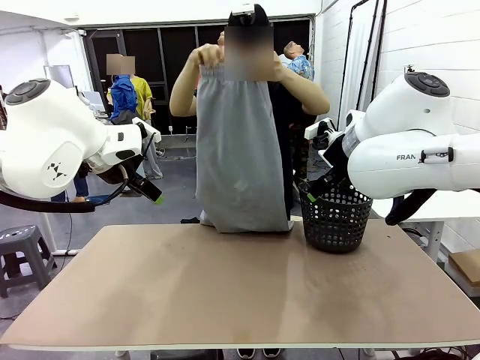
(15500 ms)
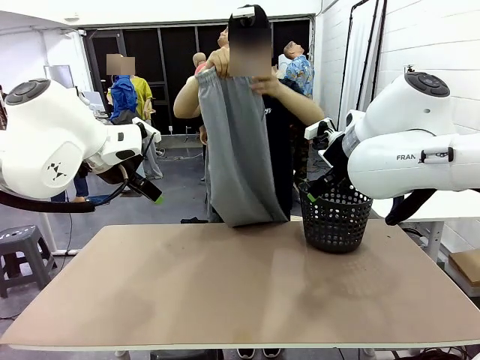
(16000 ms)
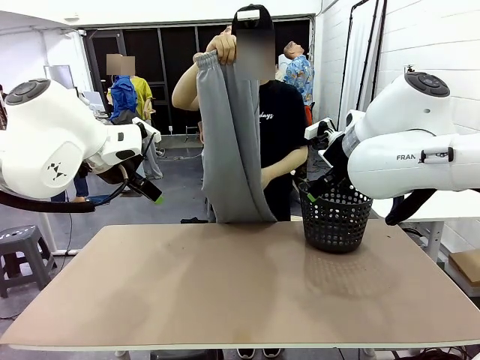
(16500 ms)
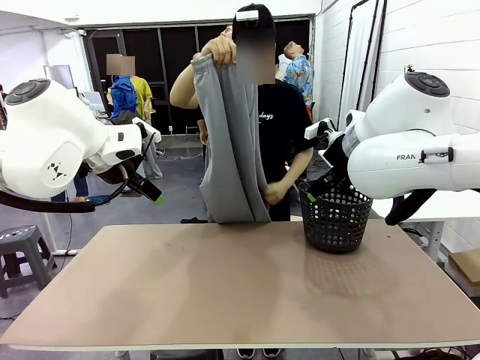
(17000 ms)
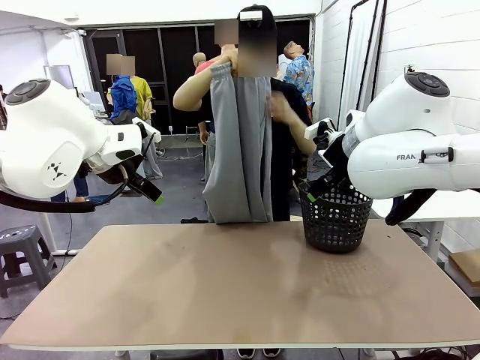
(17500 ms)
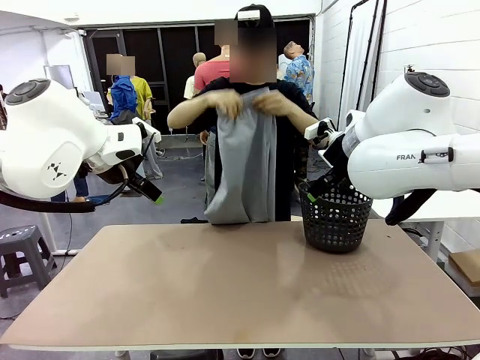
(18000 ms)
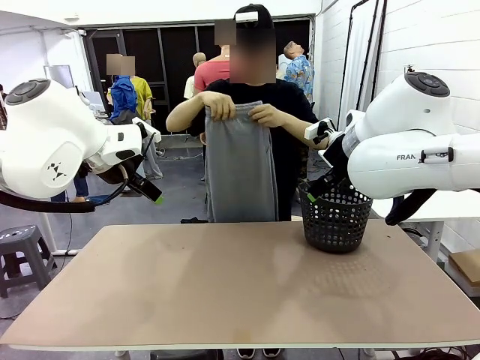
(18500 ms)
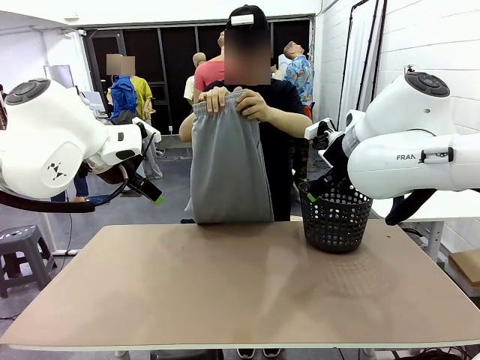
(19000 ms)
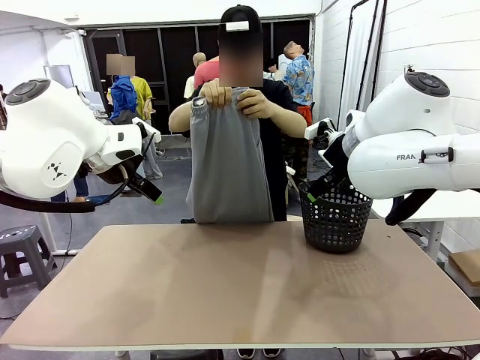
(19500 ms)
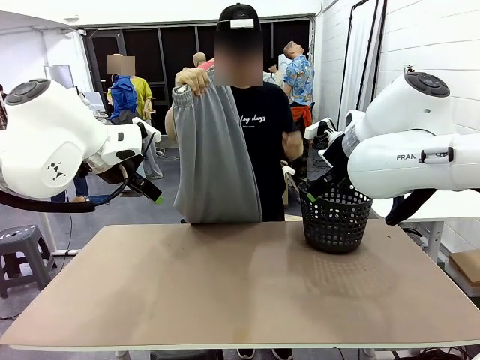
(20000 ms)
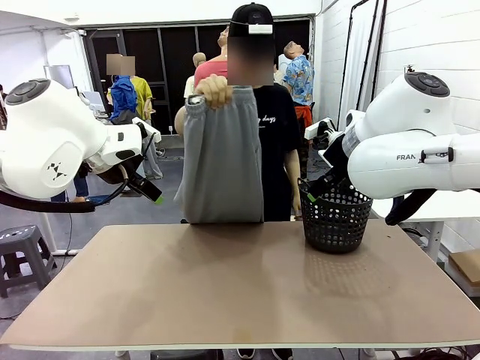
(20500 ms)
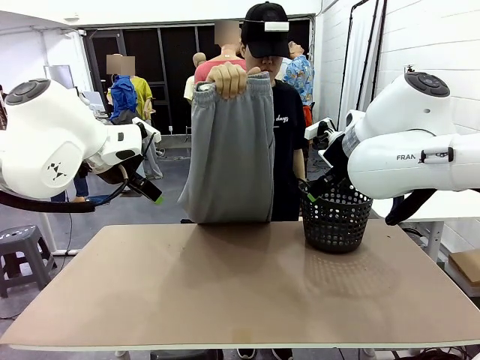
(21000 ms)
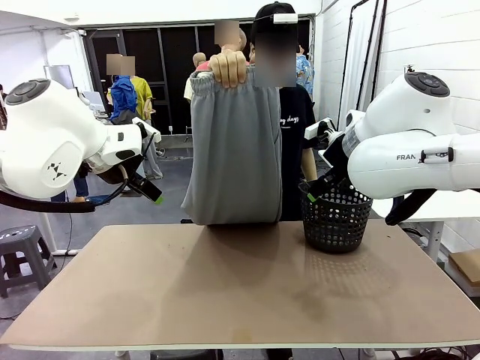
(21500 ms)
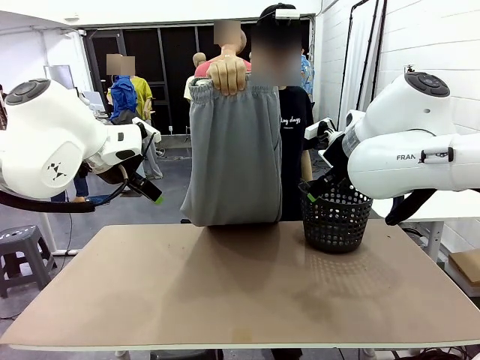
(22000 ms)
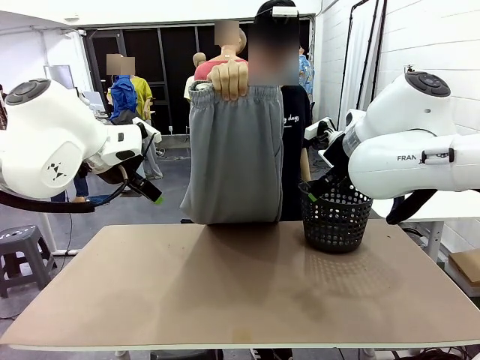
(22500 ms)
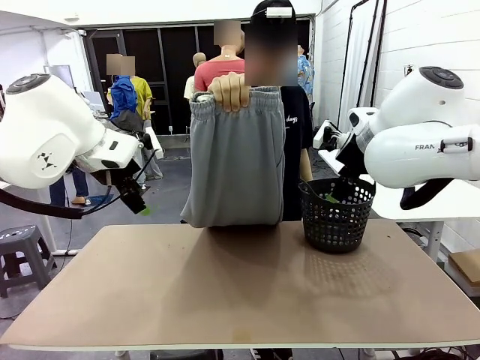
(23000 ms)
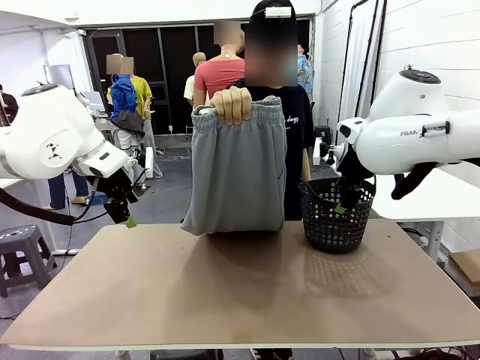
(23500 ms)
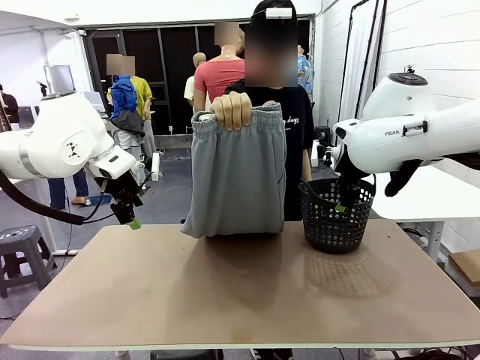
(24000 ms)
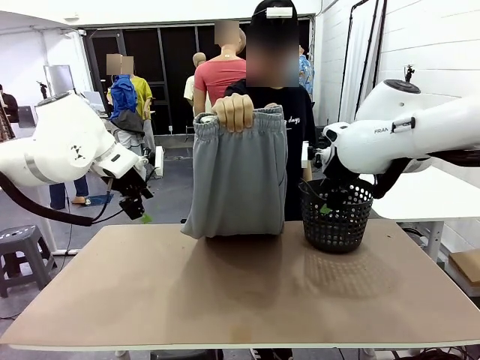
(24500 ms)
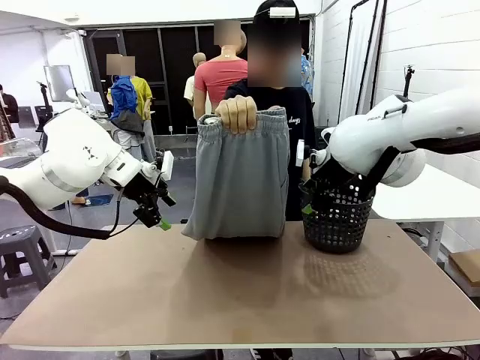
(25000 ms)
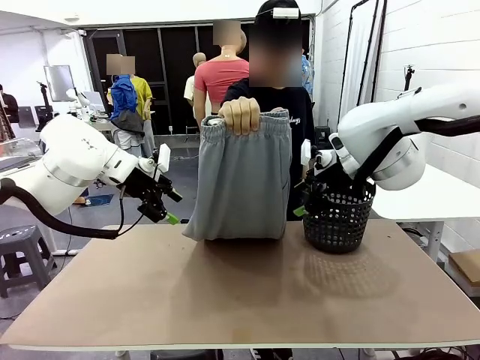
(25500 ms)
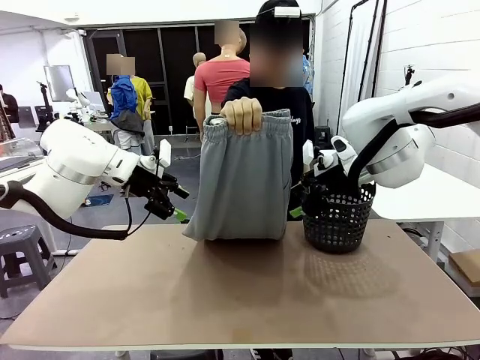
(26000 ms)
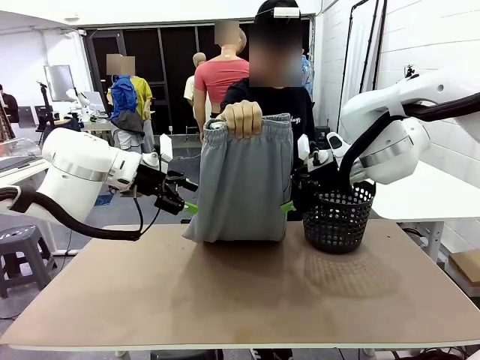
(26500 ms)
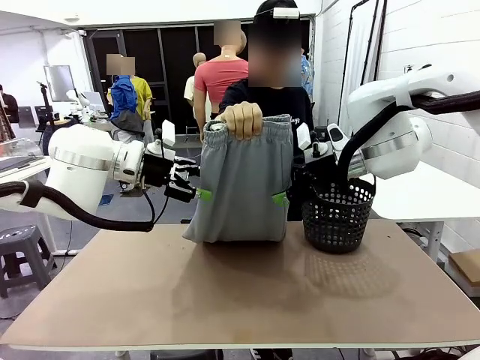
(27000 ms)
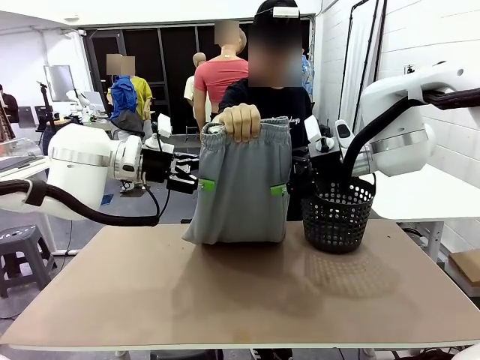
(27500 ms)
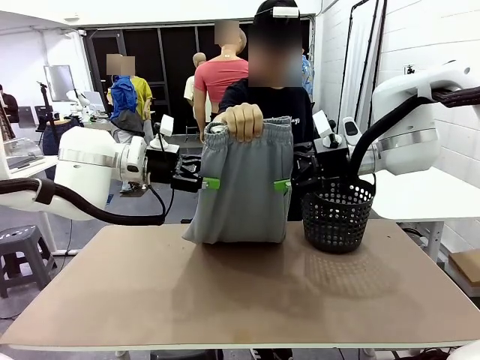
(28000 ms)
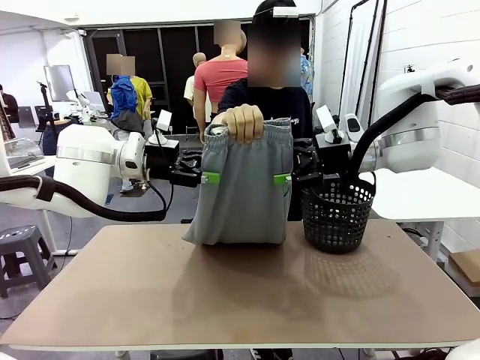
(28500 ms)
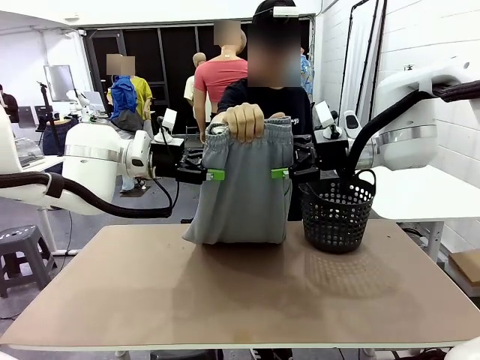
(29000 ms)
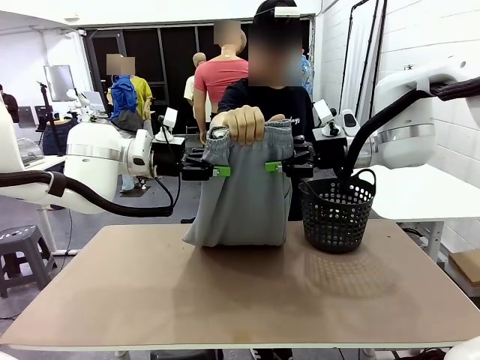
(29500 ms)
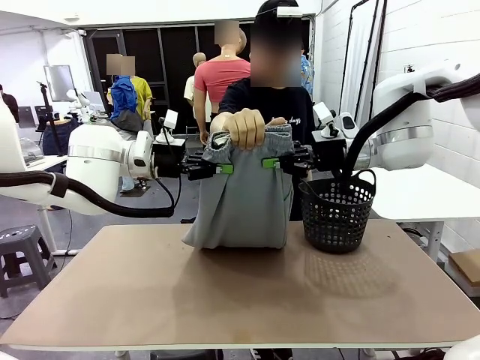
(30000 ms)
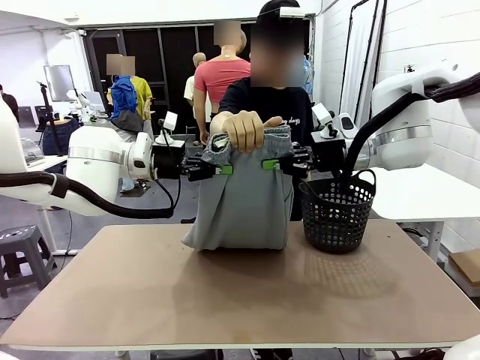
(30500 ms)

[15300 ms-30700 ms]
Task: Fold the training pants.
Robot: Grab both ends of the Training pants handed by a person.

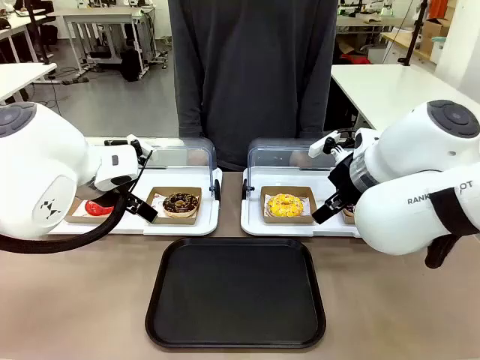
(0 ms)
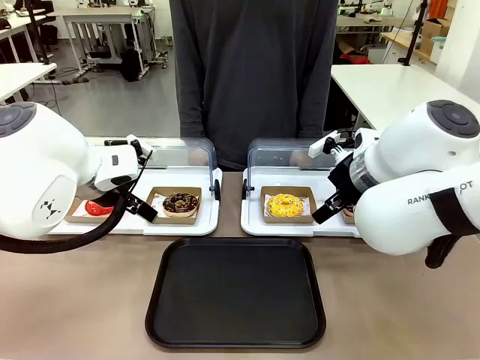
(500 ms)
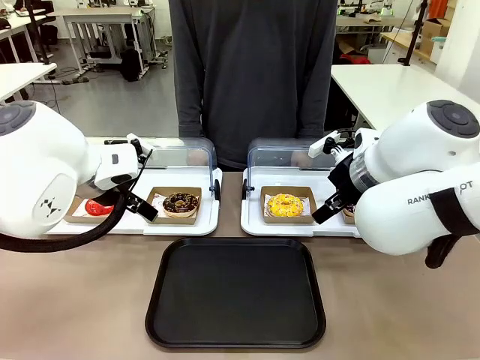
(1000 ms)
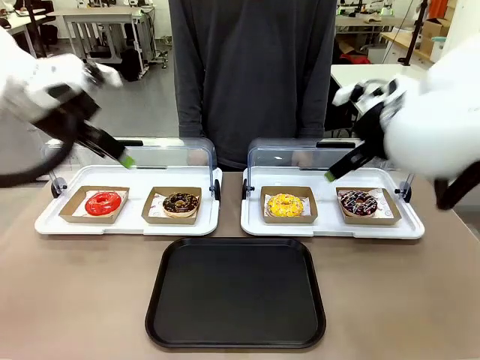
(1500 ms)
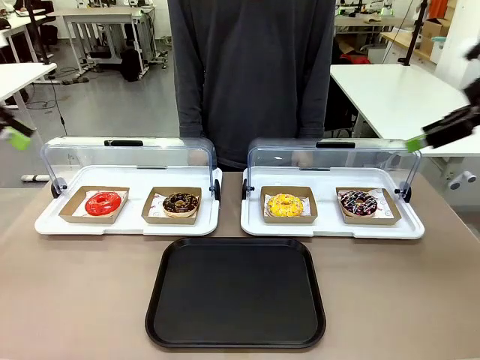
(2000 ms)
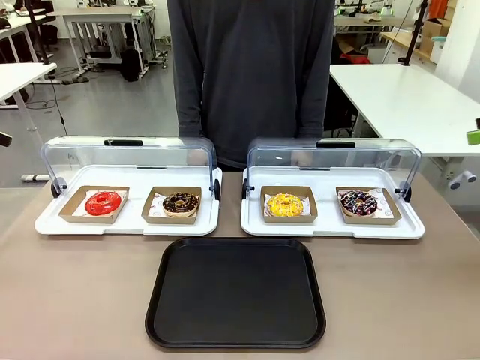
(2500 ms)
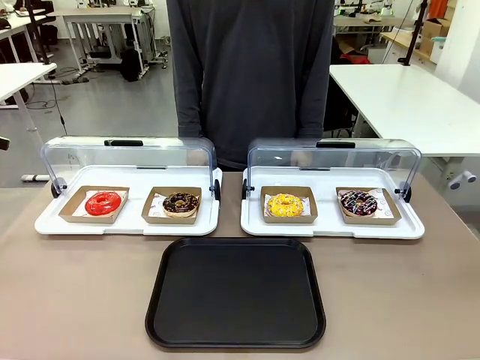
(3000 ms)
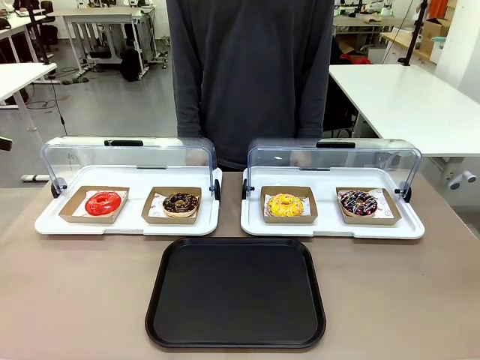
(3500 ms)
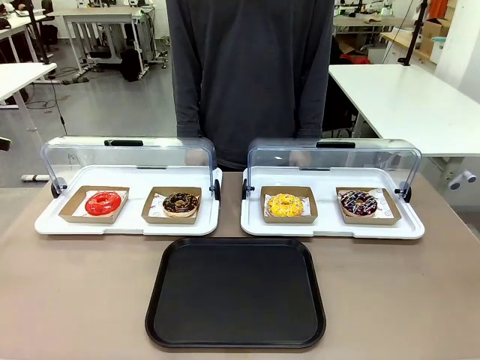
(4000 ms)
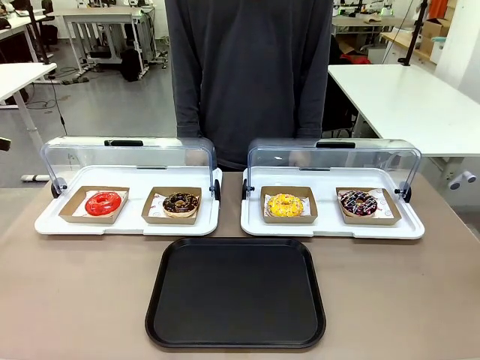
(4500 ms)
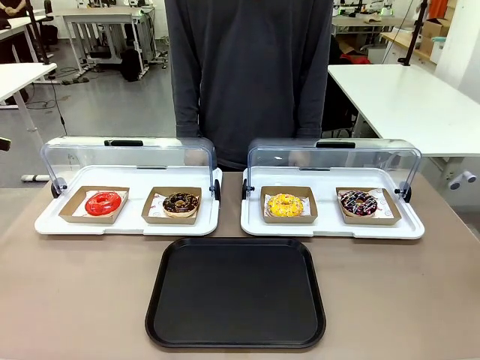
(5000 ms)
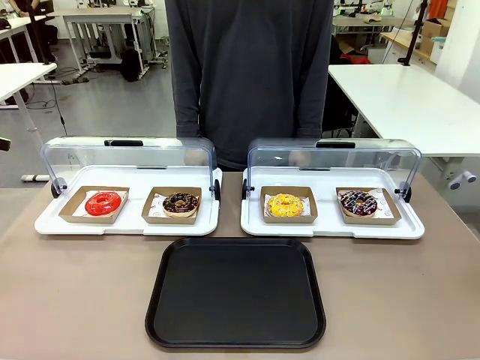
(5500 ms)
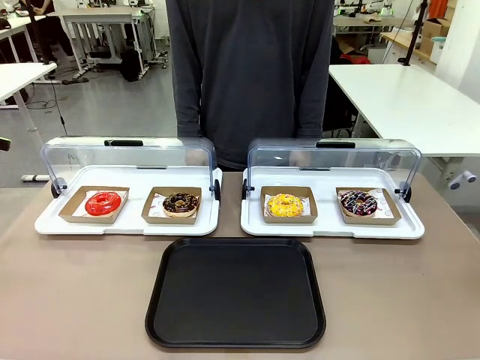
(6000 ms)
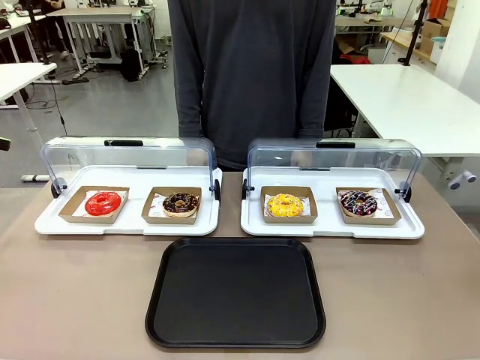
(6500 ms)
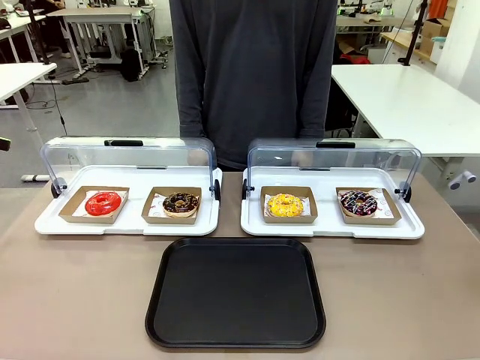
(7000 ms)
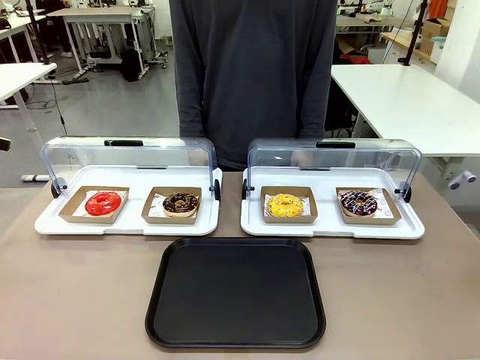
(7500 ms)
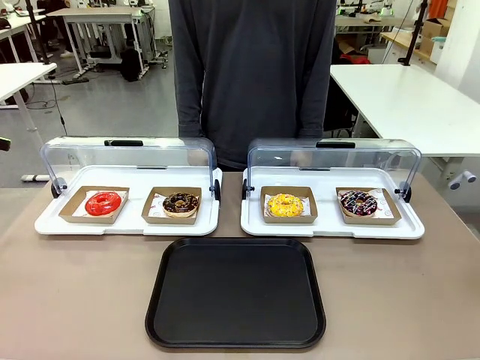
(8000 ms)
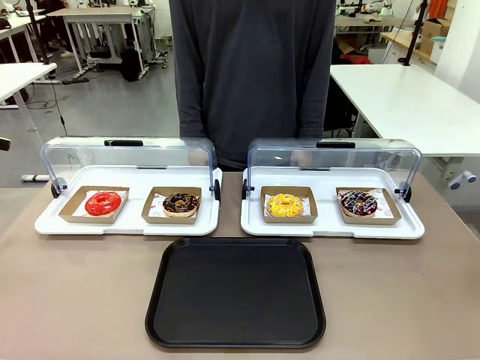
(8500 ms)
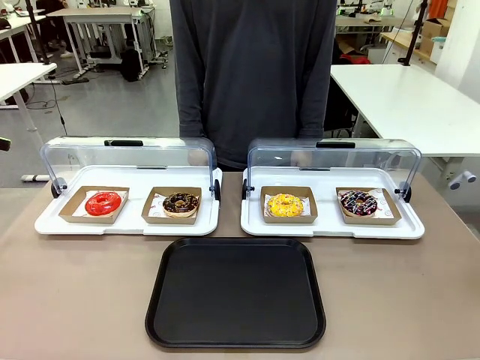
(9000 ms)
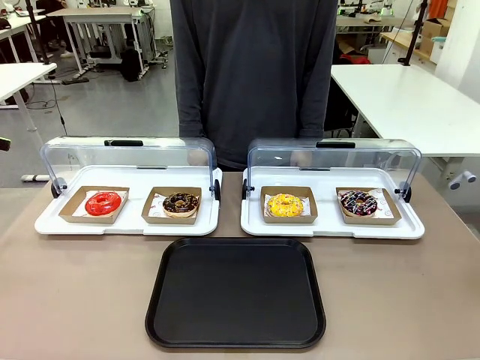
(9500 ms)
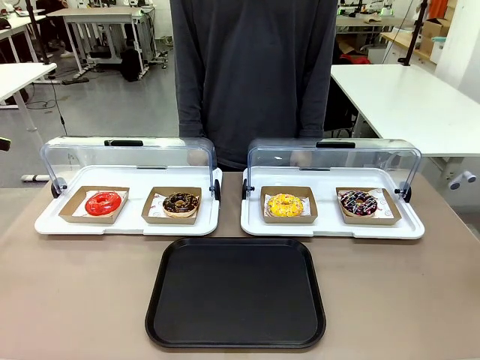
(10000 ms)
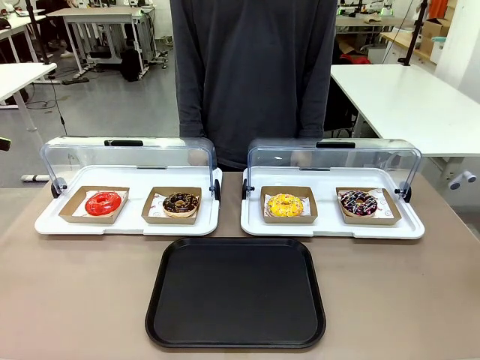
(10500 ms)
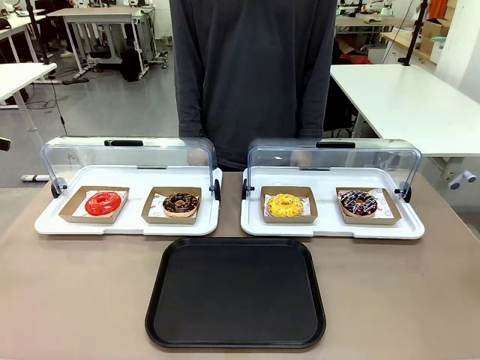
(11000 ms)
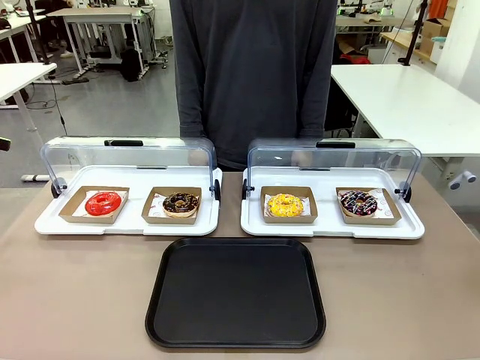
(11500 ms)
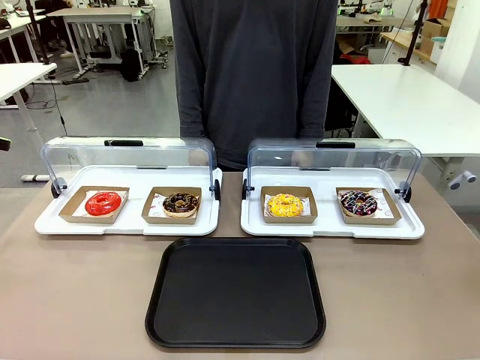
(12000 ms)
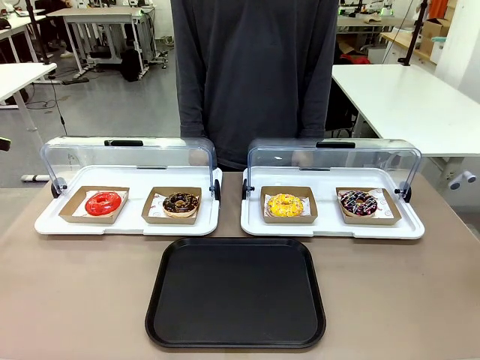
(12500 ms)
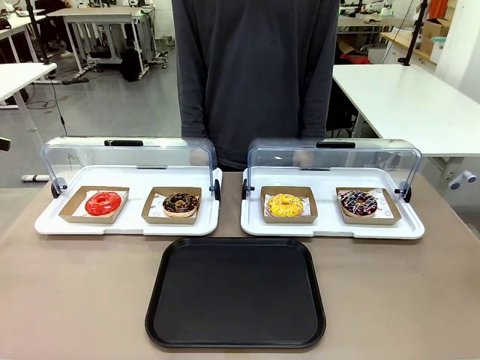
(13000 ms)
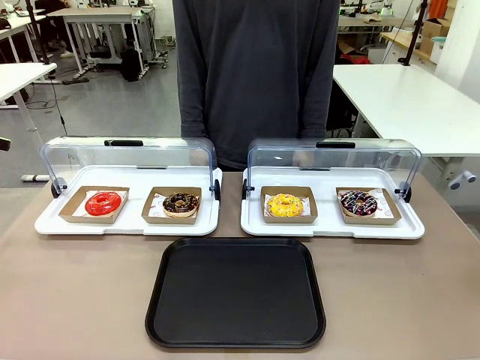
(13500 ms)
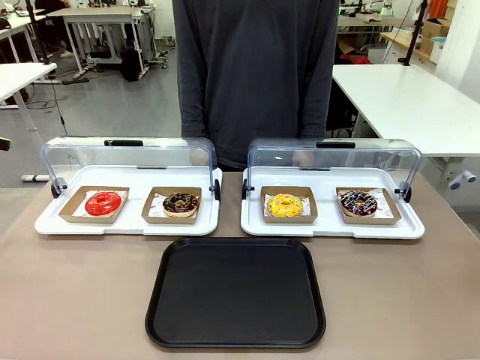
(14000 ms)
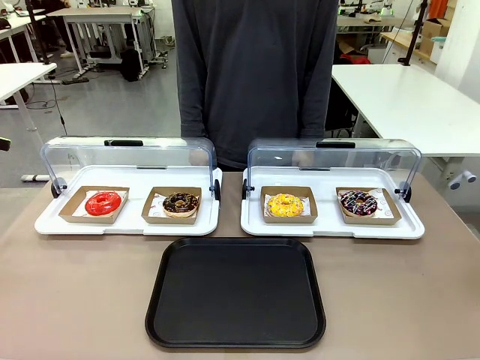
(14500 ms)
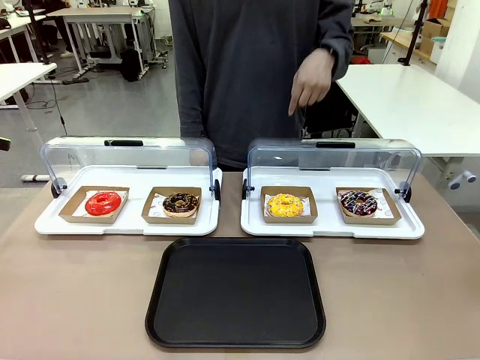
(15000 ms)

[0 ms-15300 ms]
Task: Move the third donut from the left to the tray.
Robot: Pick up the Paper togo box containing the Donut indicated by the person and place it on the Handle tray.
